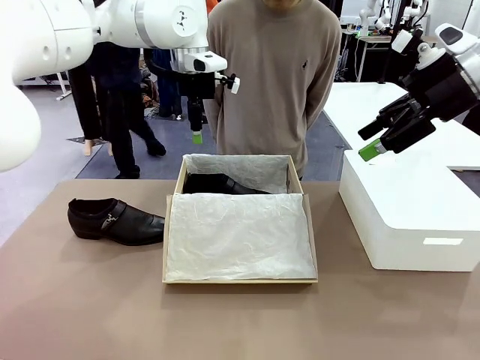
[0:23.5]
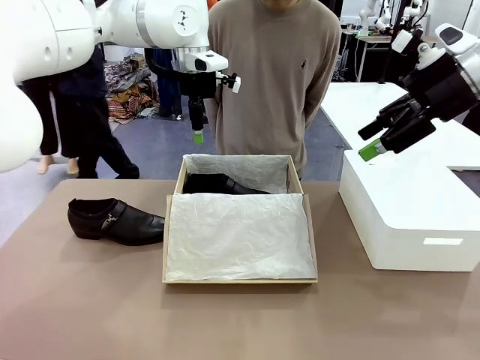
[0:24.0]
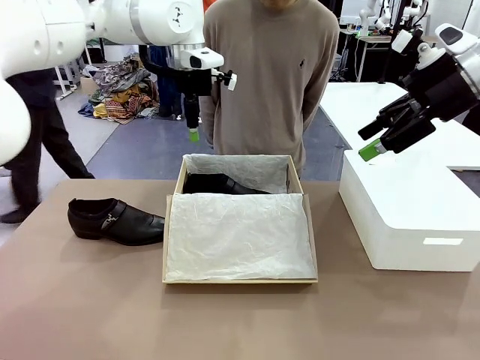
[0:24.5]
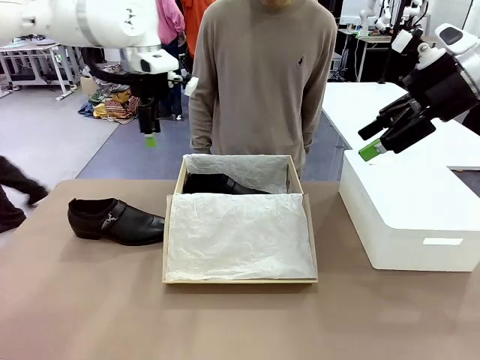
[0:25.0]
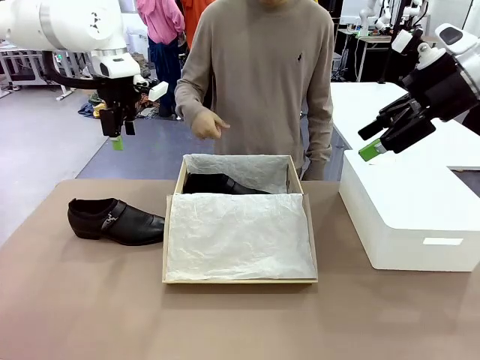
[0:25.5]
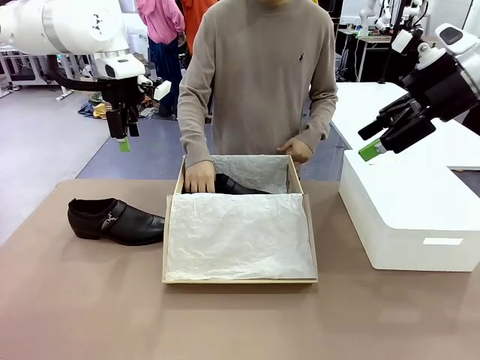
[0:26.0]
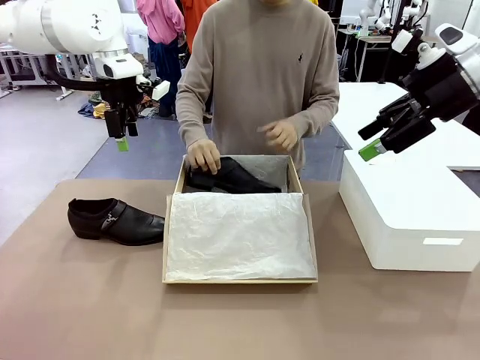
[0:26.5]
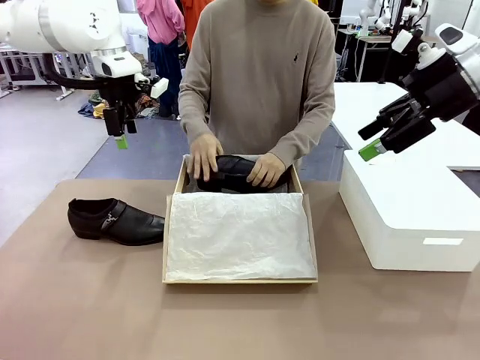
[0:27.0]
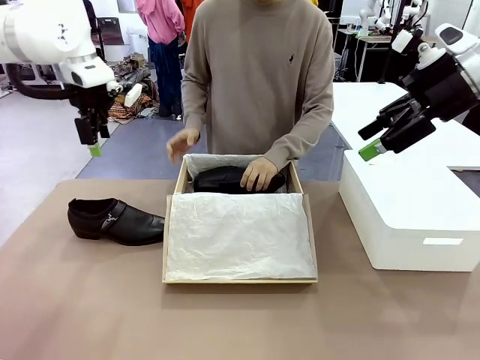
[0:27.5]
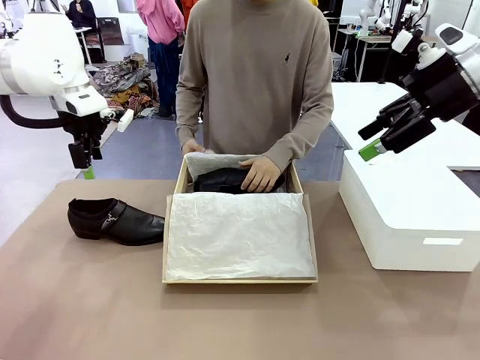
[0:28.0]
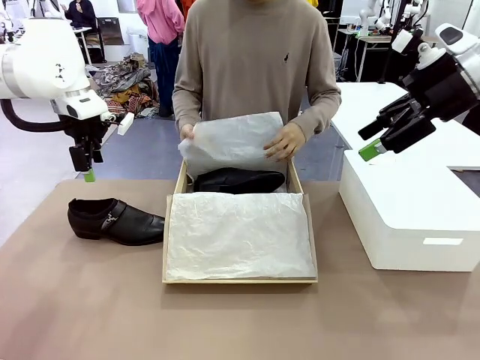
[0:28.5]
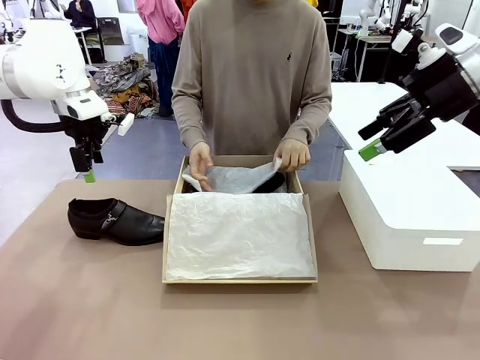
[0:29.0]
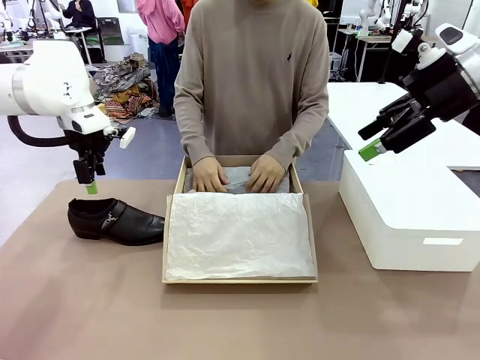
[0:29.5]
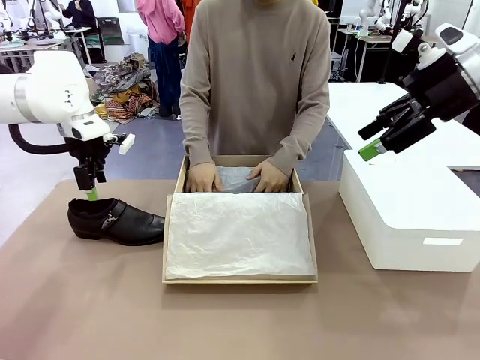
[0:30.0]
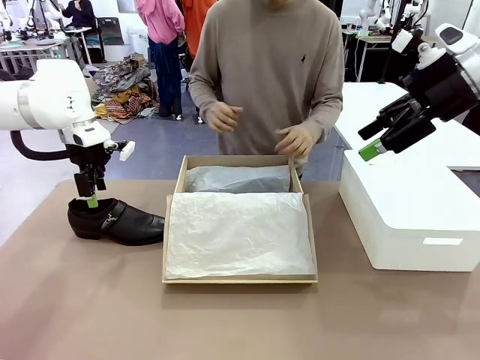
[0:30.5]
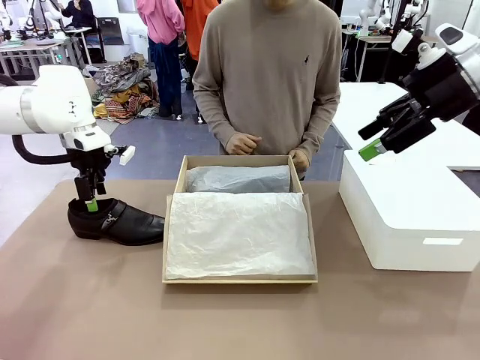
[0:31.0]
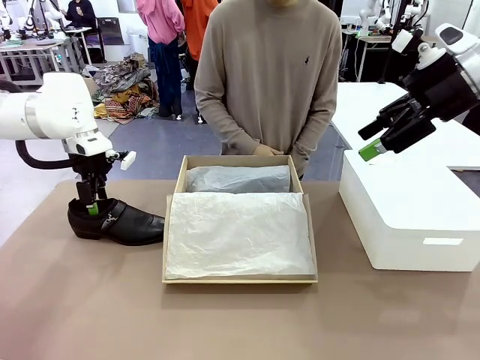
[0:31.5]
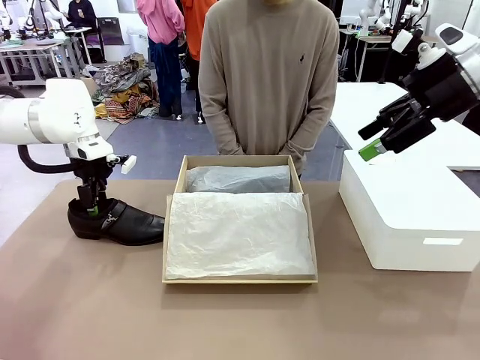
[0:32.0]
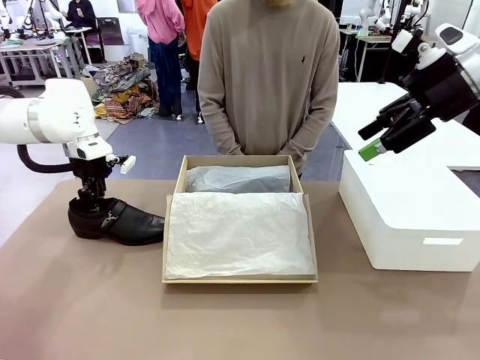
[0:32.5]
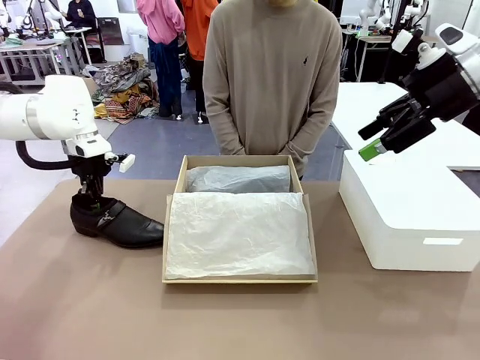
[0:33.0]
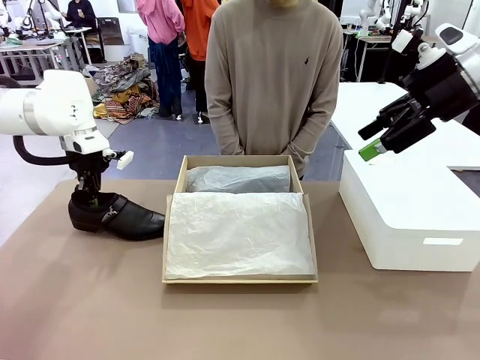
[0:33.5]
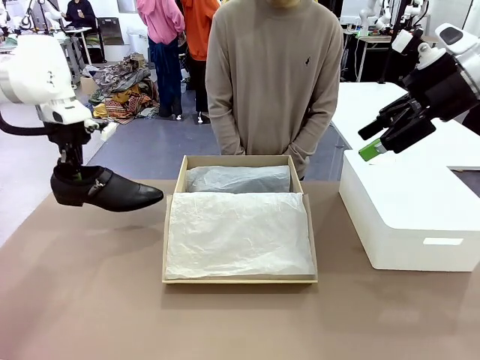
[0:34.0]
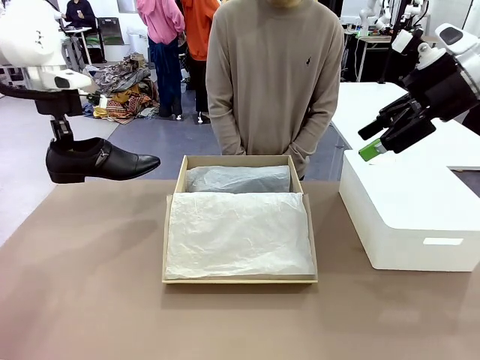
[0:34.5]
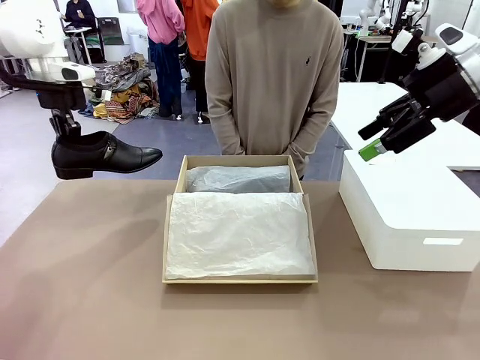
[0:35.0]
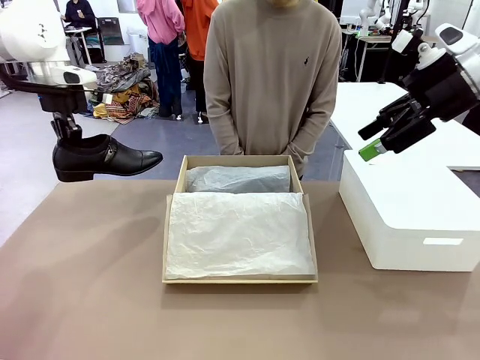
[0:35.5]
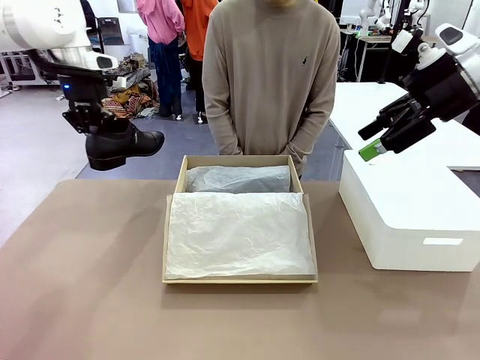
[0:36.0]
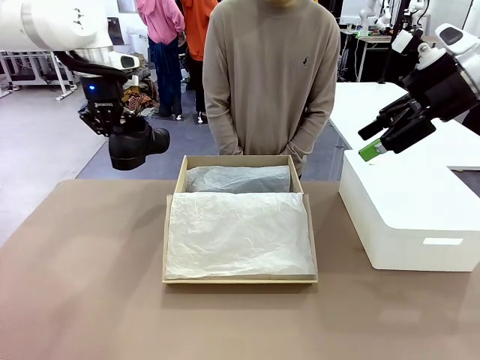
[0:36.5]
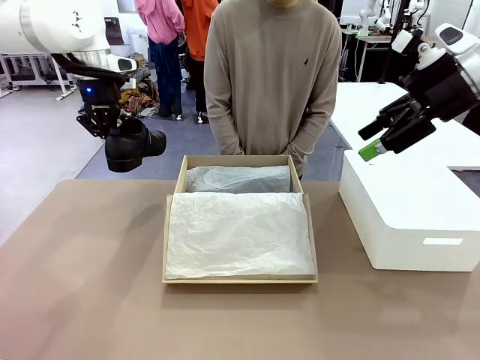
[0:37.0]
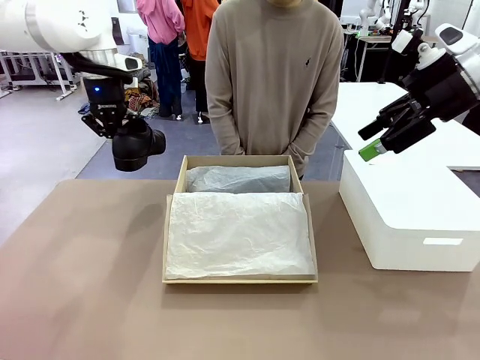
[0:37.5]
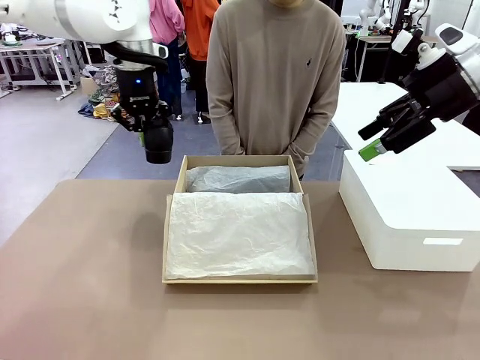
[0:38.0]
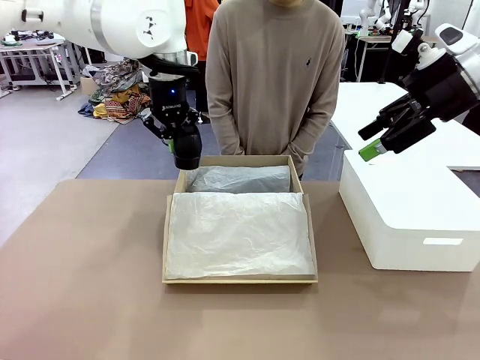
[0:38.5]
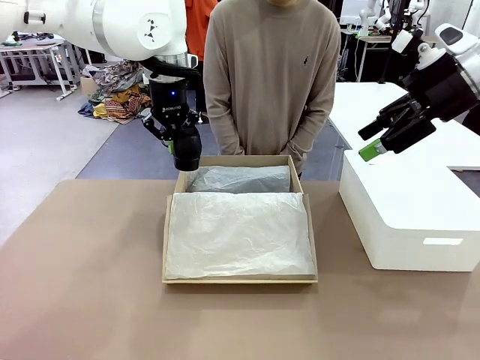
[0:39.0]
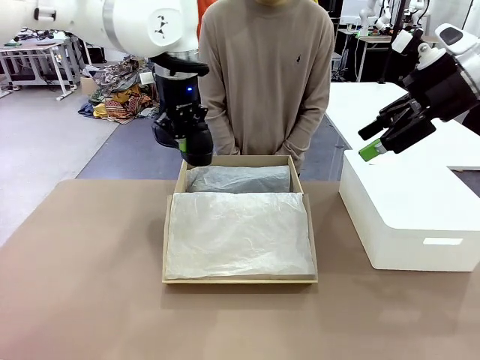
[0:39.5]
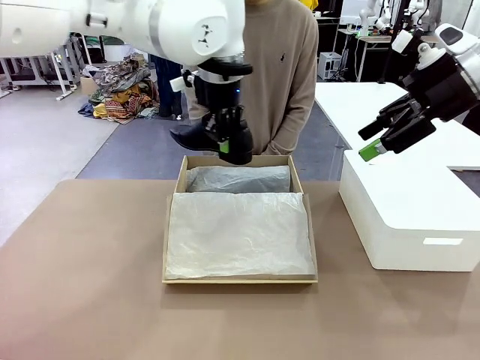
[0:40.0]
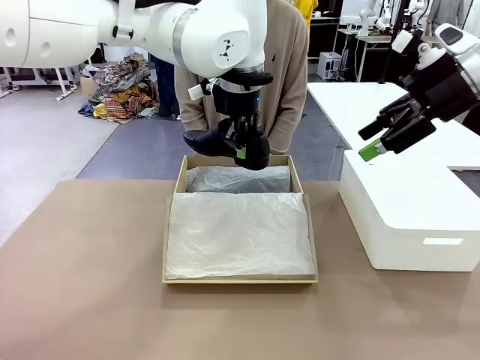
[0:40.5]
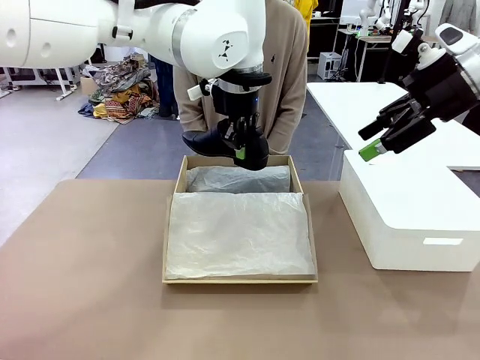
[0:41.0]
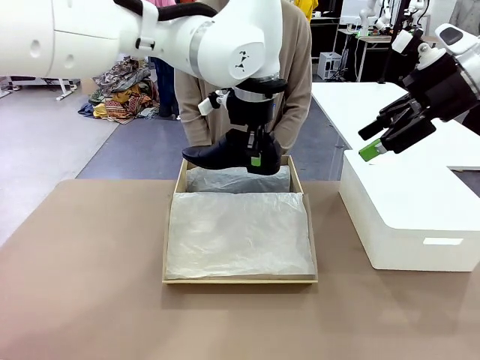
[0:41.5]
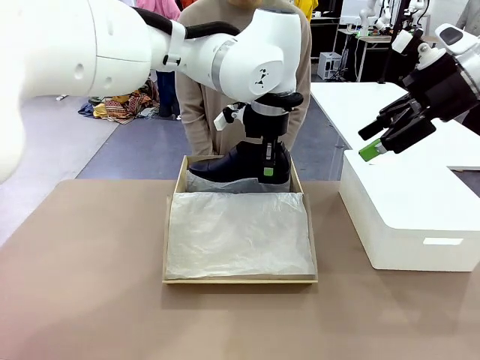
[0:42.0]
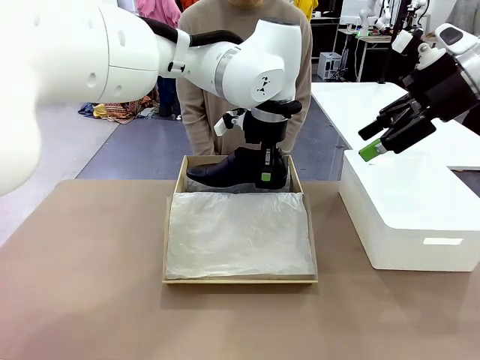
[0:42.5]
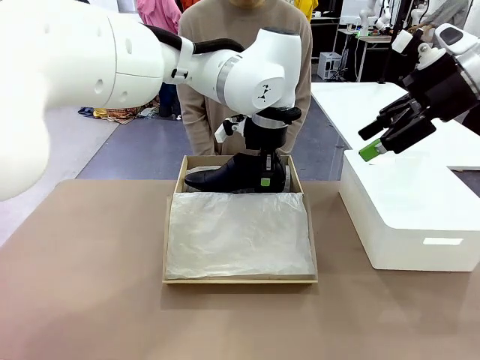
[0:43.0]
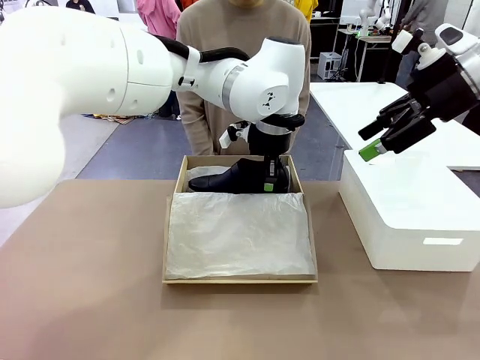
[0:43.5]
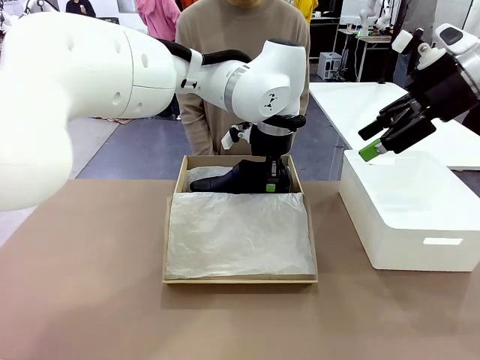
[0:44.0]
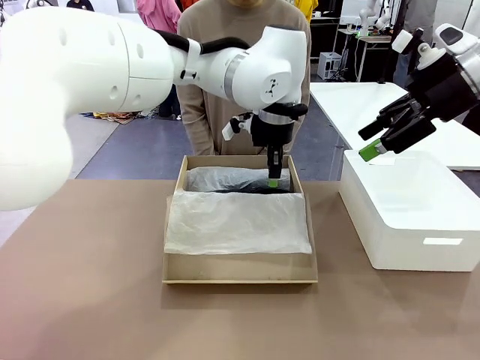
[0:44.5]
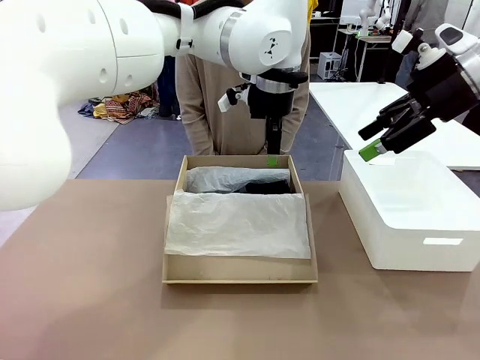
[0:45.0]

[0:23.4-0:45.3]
Task: Pack the shoes into the box.
Robot: Place the other shoe of the Shoes into the Shoes Box.
Person: Pack a shoe of Shoes inside the Shoes Box with Shoes Wrapping Paper.

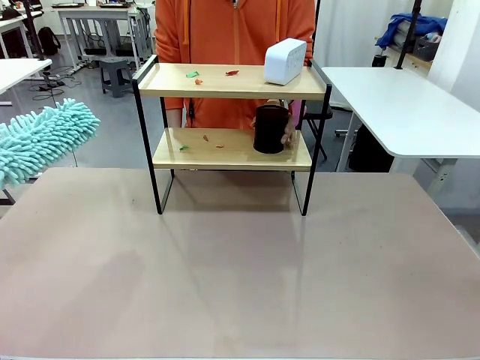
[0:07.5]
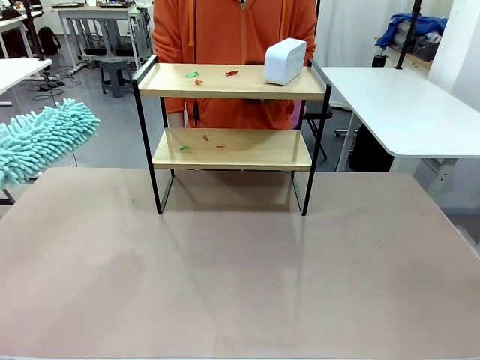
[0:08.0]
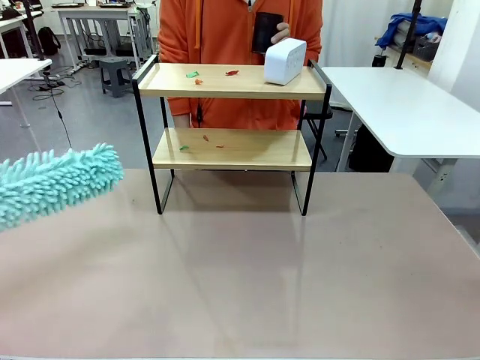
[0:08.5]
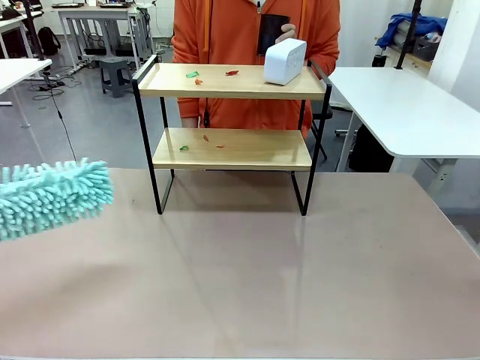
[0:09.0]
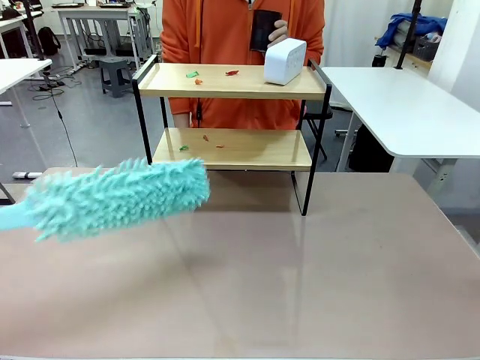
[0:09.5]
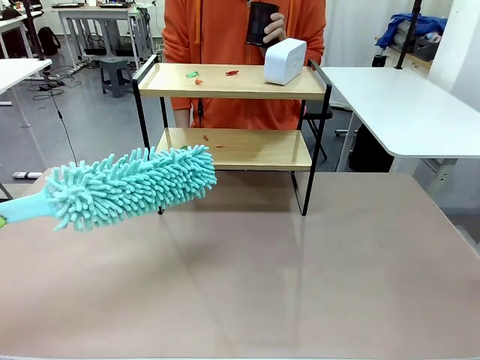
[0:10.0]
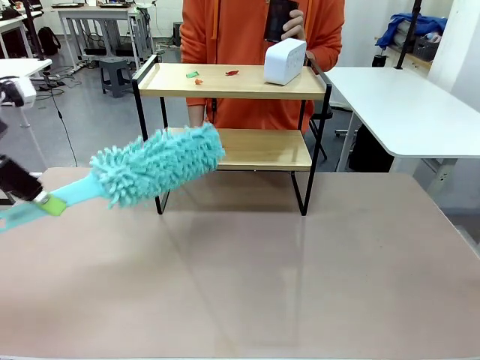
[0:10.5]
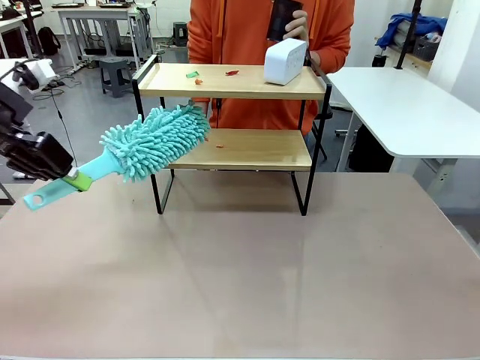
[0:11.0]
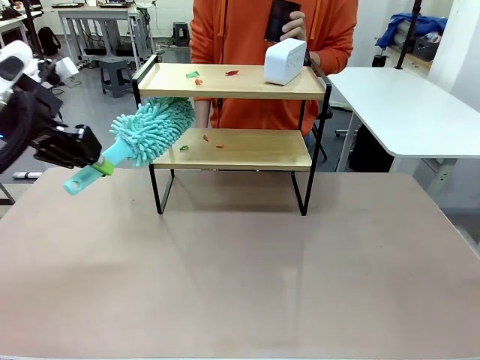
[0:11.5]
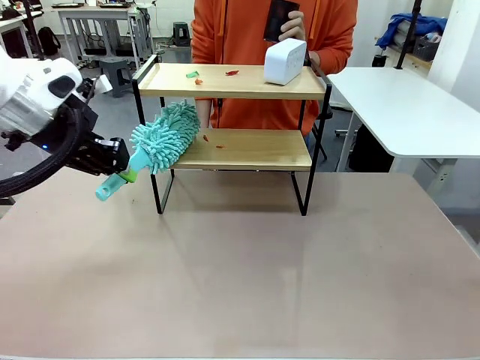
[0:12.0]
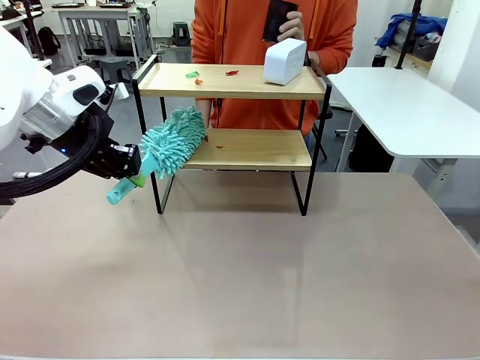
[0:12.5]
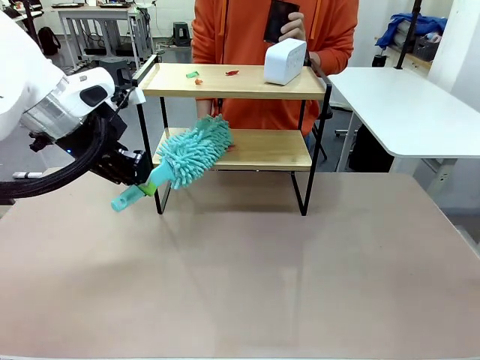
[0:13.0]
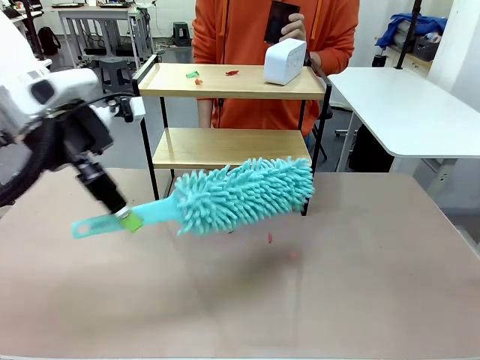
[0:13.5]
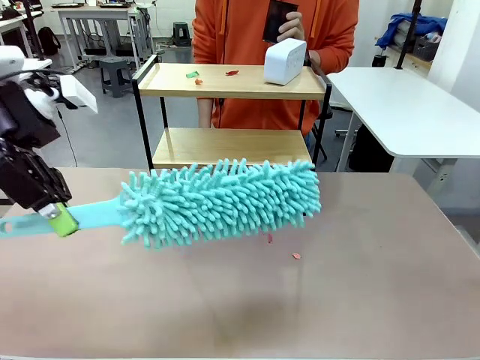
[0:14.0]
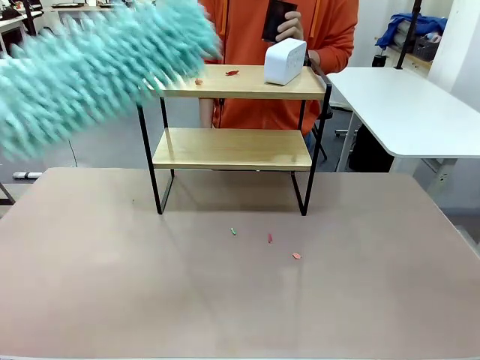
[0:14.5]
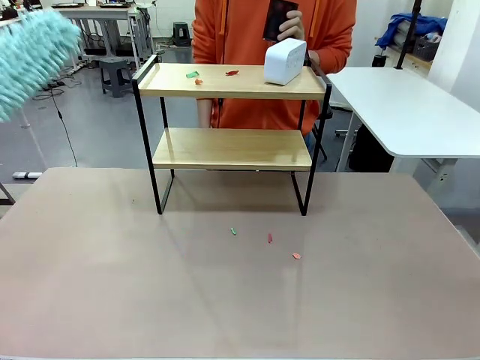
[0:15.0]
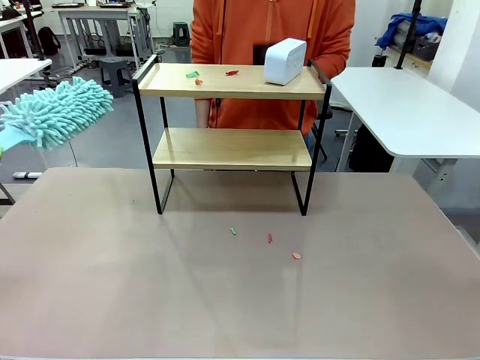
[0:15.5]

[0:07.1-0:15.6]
Task: Clean the shelf.
Robot: Clean the specific tier of the Shelf with the Duster once objects are removed.
Person: Lift the objects on a randomly selected tier of the Shelf. Once the robot finishes cleaning, lift the objects on the remaining tiers of the Shelf.
